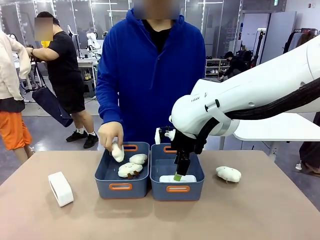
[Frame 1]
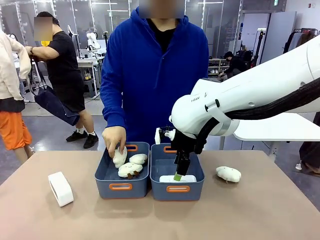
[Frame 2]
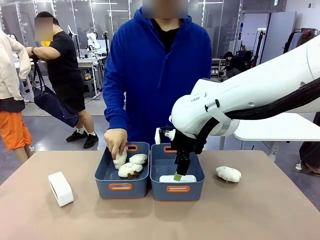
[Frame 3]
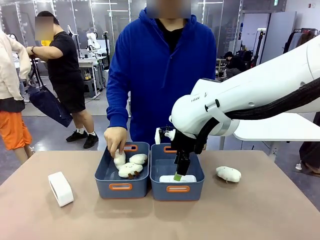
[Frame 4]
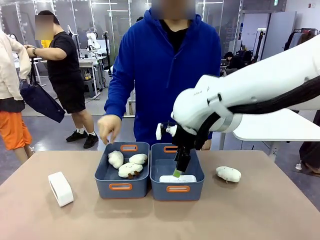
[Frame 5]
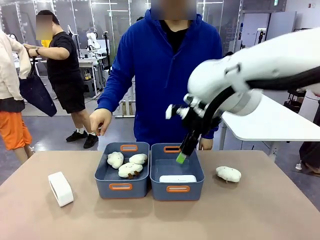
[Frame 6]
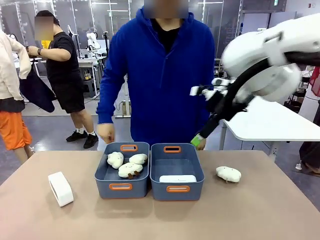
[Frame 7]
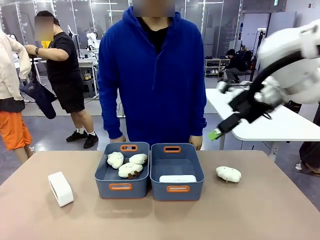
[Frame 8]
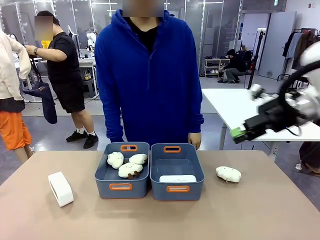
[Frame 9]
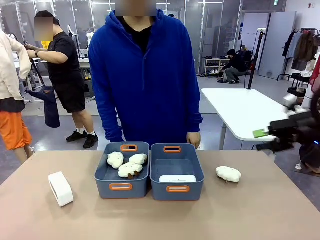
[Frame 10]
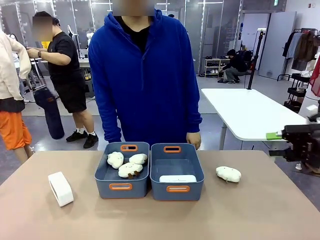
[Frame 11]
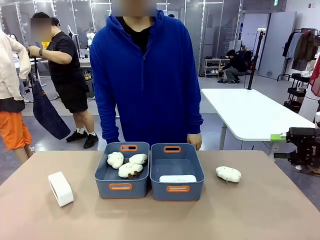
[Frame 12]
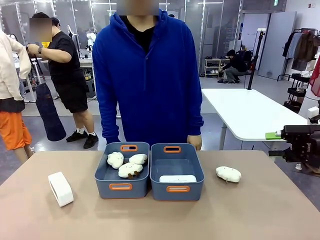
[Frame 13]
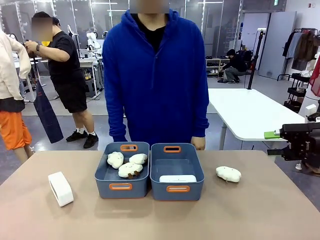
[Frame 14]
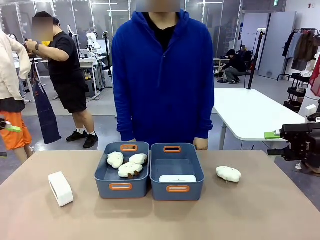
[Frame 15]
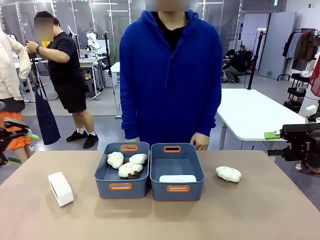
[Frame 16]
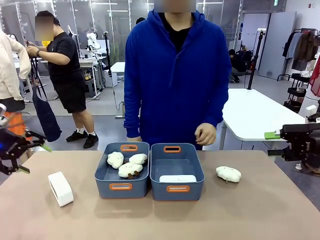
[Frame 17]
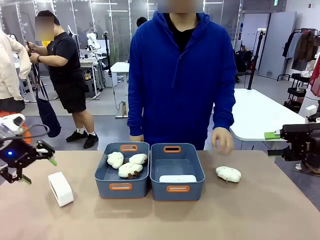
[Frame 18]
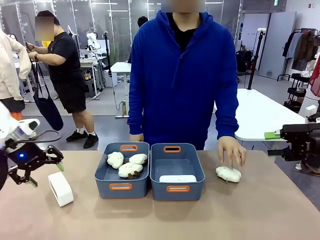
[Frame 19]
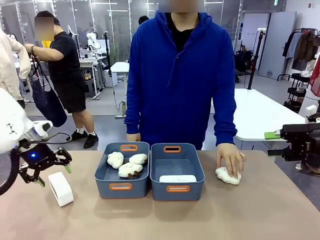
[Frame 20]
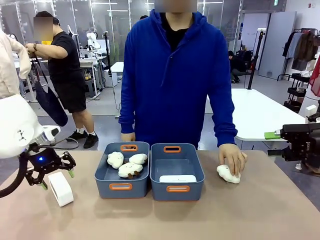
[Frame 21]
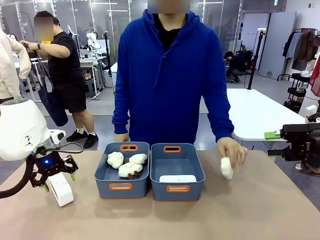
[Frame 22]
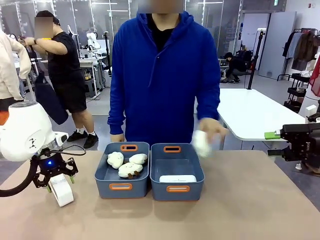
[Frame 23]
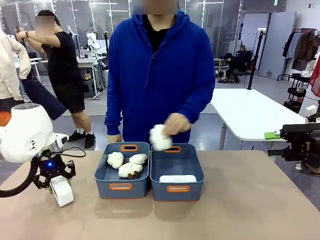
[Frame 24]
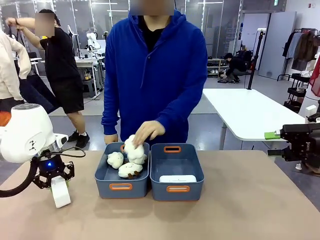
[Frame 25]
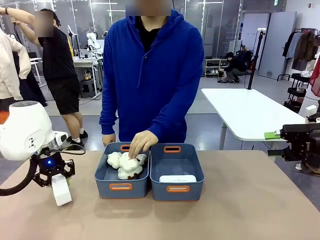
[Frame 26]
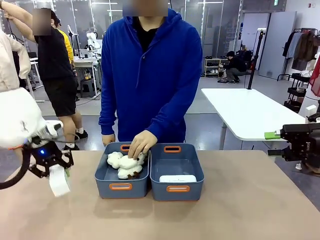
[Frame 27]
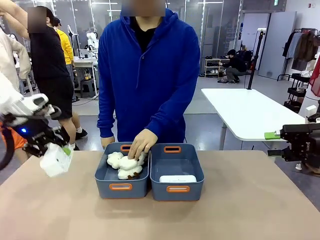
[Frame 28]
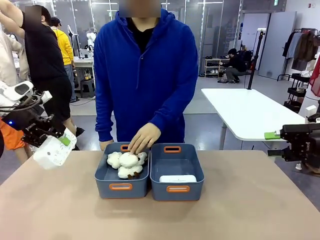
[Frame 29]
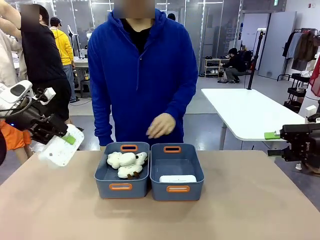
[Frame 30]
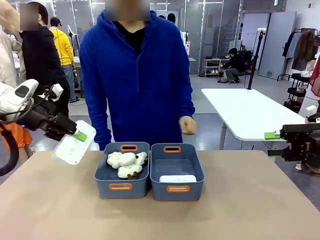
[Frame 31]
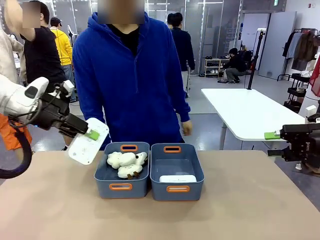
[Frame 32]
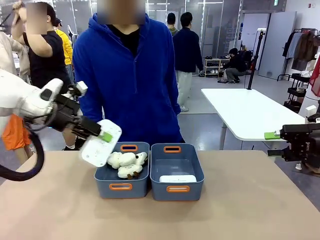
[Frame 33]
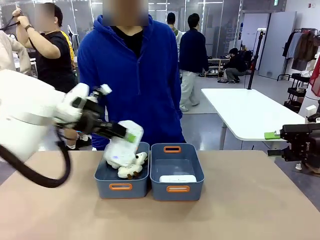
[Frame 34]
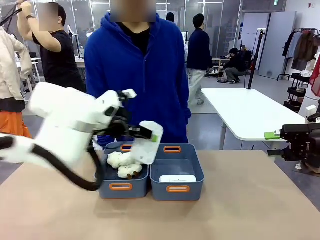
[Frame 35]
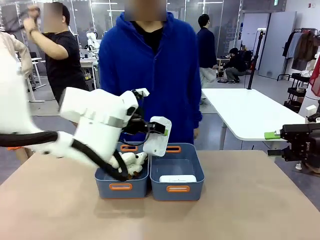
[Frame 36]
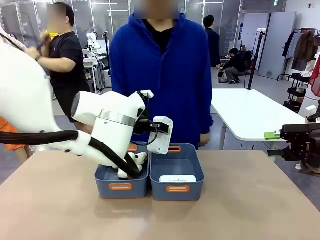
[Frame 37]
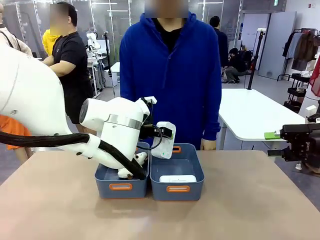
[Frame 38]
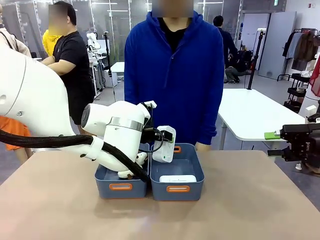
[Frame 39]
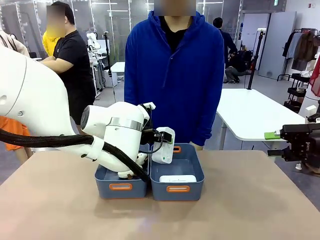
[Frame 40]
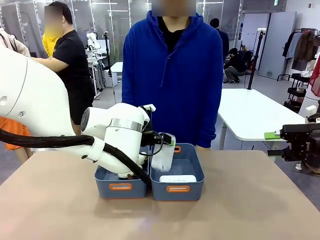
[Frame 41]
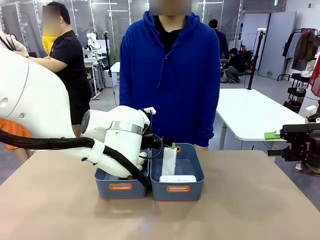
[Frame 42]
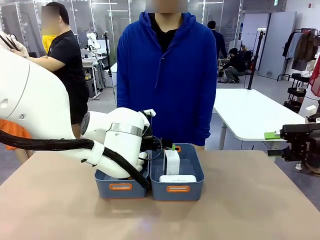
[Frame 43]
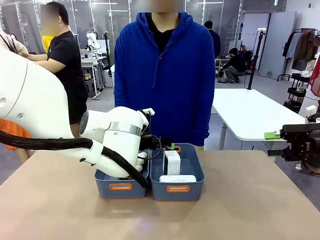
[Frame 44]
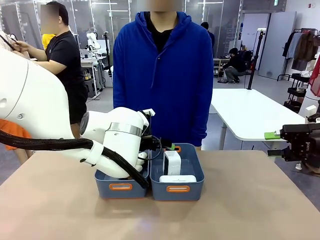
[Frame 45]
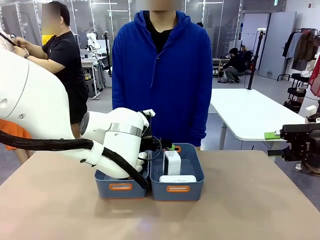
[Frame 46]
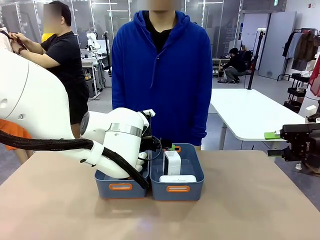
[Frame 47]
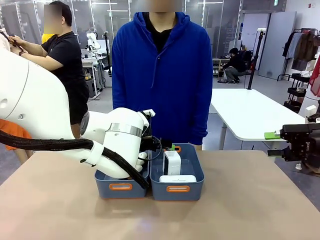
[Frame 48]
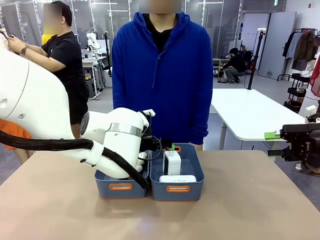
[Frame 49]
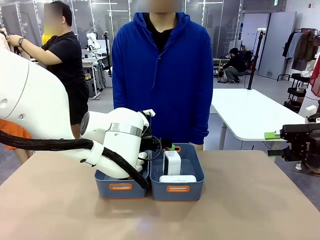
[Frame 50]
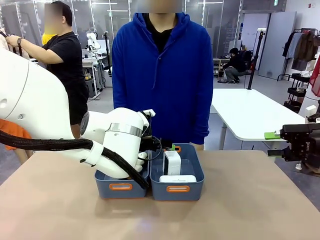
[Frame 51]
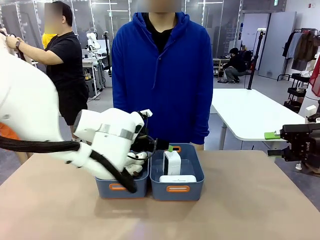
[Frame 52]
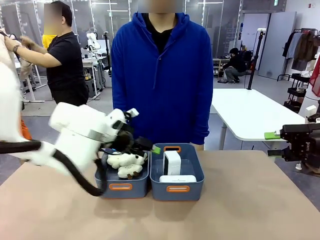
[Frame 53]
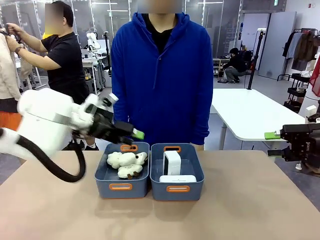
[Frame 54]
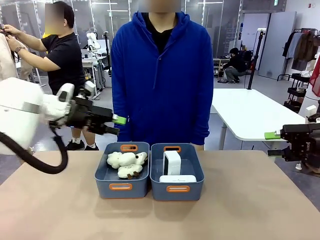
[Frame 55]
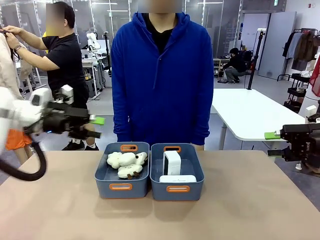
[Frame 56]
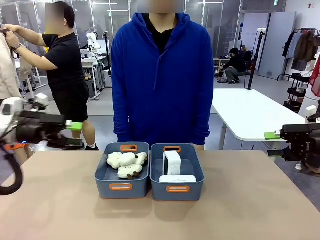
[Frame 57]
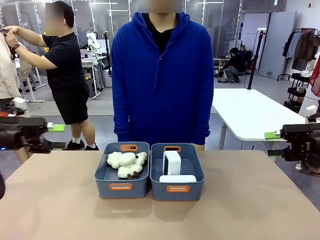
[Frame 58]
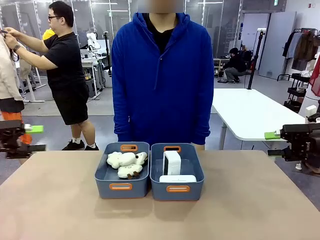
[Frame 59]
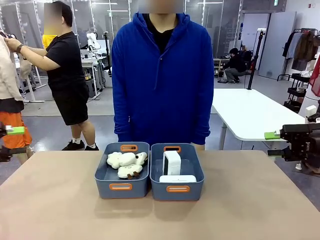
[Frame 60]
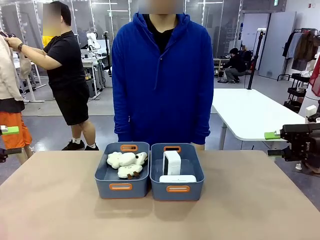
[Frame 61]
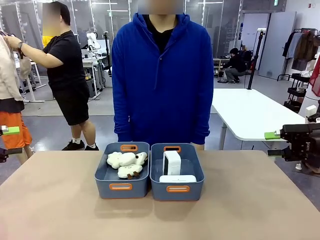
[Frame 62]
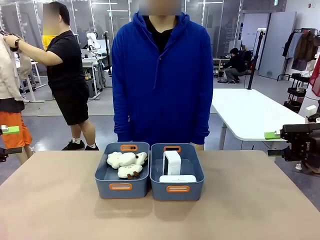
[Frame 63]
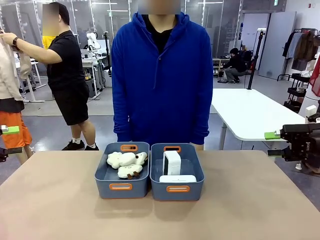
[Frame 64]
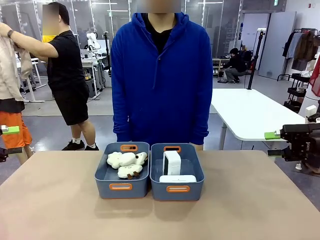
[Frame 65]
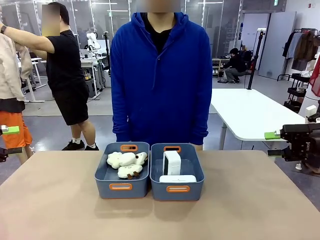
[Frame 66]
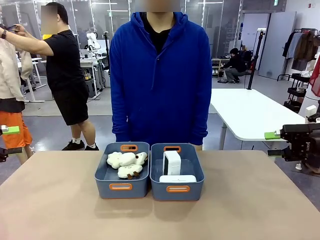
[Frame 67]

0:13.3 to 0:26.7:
Task: Sort the digital clocks into the basket.
Robot: Pick up the Digital clock from the table and place it into the empty Plastic storage basket.
Person: Pick up a plush toy from the table and place it in the plastic storage basket containing the plush toy.
